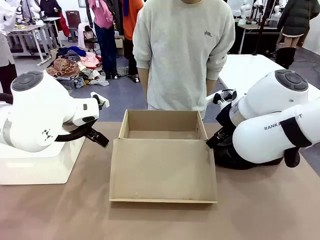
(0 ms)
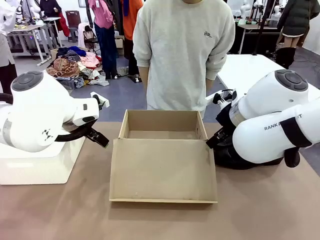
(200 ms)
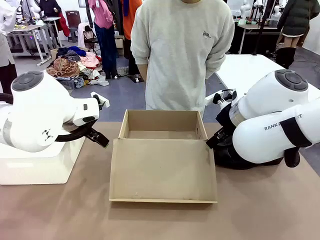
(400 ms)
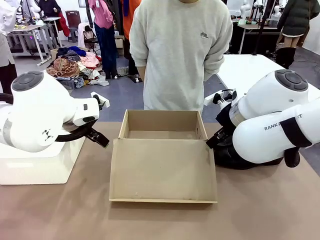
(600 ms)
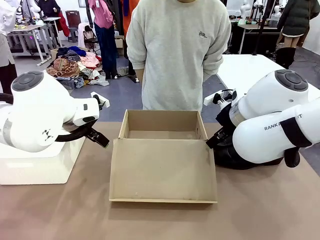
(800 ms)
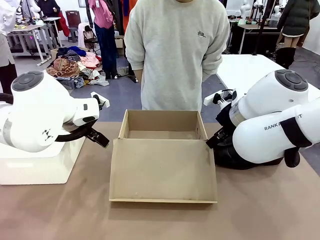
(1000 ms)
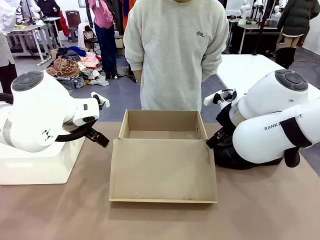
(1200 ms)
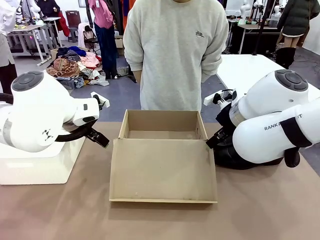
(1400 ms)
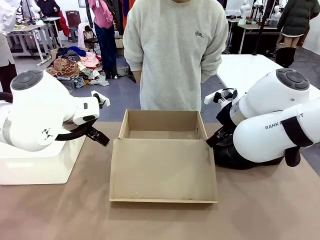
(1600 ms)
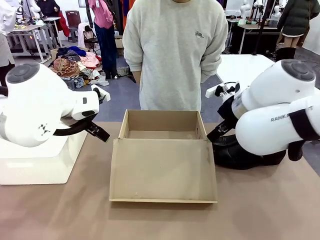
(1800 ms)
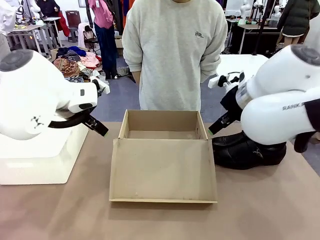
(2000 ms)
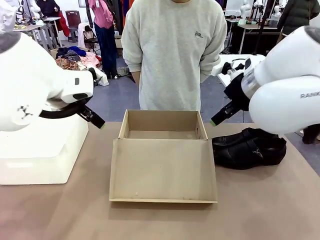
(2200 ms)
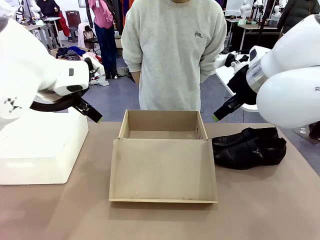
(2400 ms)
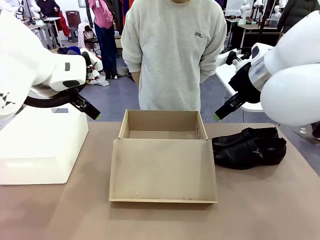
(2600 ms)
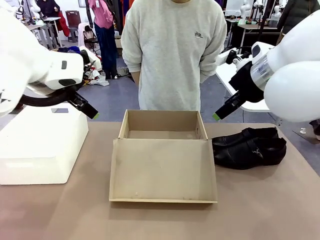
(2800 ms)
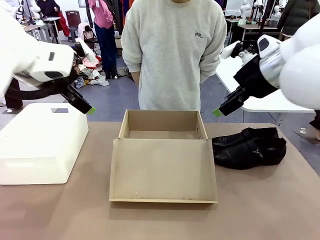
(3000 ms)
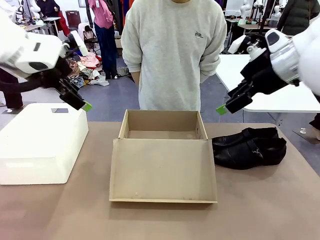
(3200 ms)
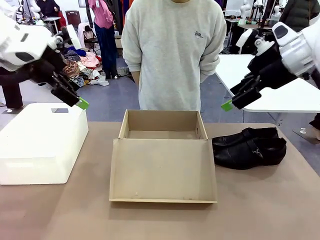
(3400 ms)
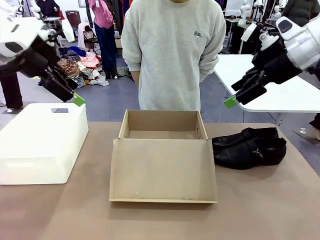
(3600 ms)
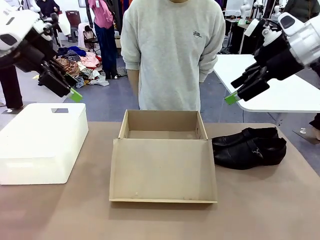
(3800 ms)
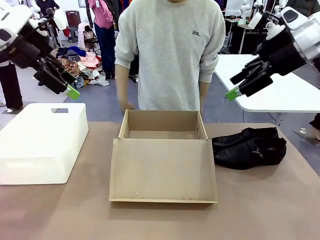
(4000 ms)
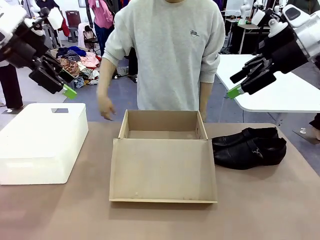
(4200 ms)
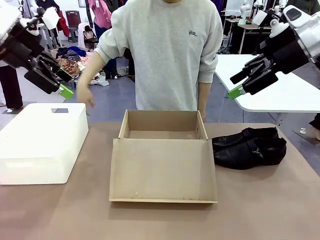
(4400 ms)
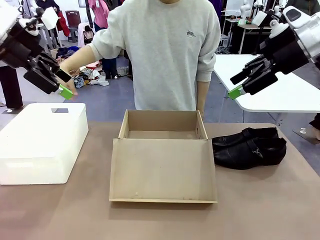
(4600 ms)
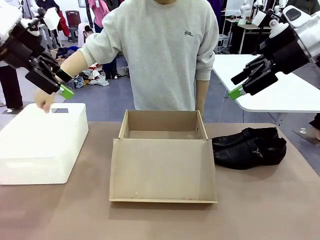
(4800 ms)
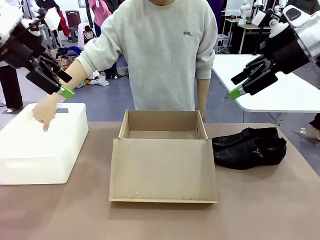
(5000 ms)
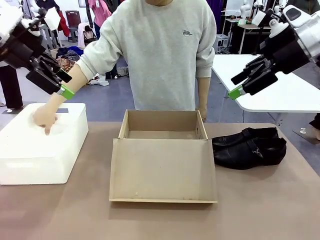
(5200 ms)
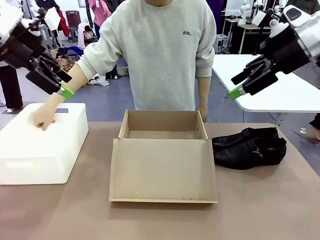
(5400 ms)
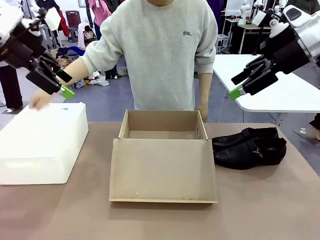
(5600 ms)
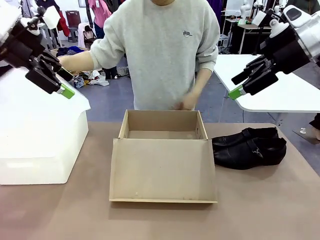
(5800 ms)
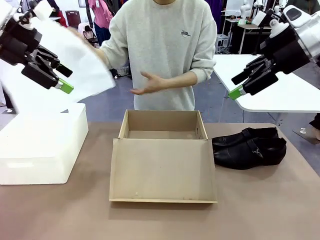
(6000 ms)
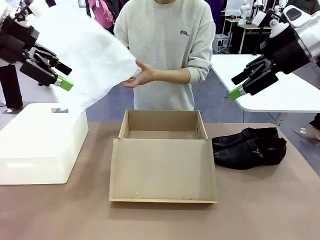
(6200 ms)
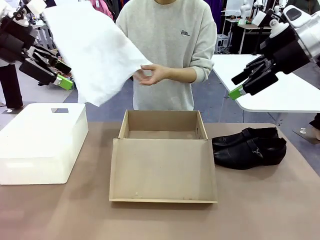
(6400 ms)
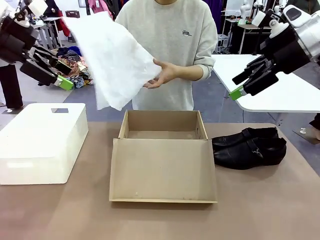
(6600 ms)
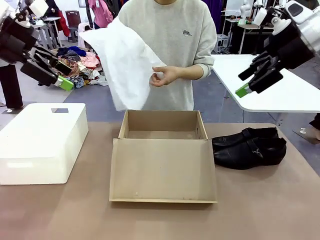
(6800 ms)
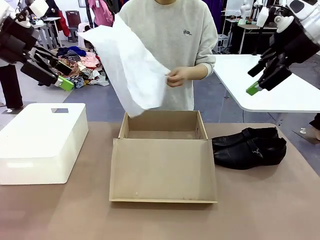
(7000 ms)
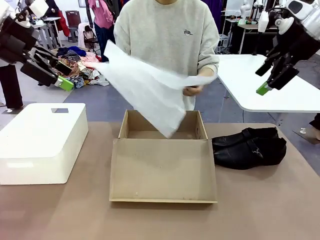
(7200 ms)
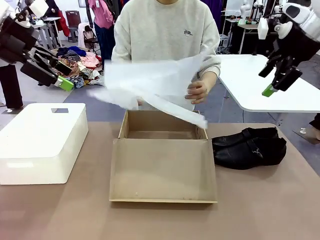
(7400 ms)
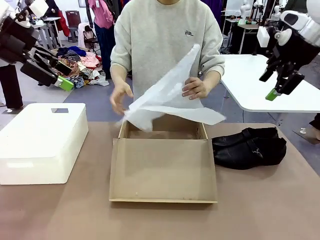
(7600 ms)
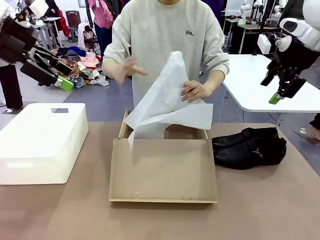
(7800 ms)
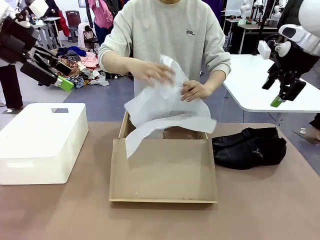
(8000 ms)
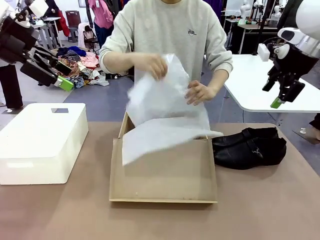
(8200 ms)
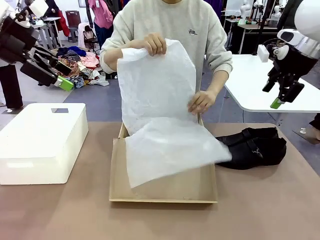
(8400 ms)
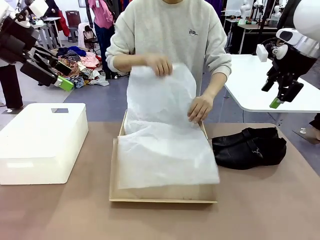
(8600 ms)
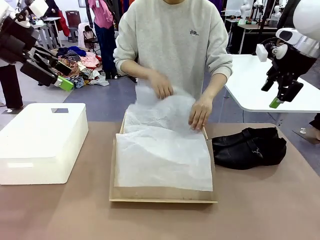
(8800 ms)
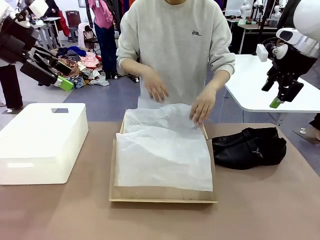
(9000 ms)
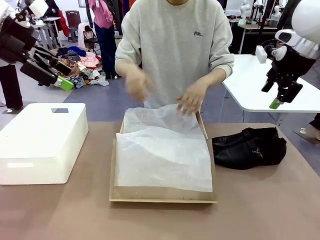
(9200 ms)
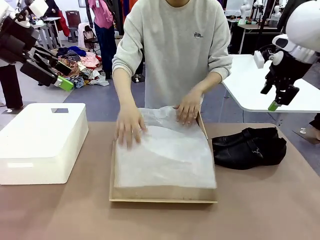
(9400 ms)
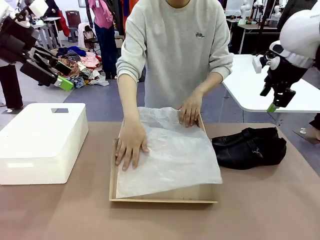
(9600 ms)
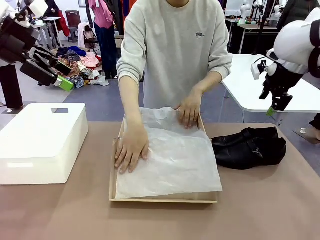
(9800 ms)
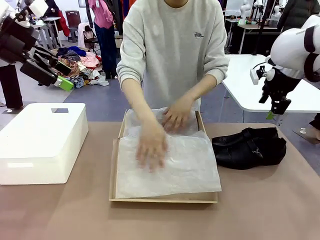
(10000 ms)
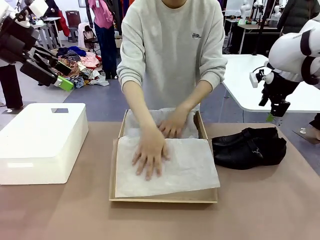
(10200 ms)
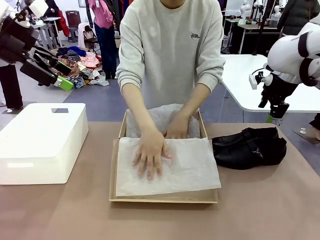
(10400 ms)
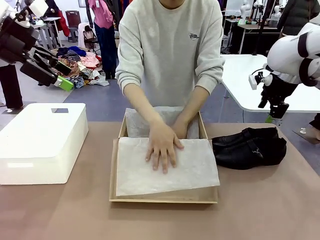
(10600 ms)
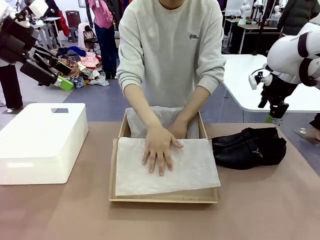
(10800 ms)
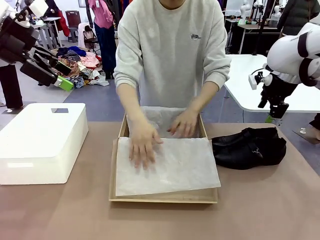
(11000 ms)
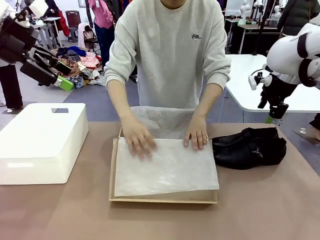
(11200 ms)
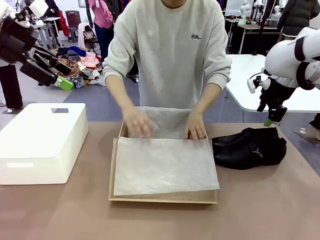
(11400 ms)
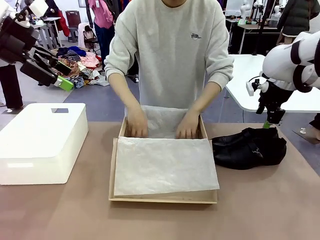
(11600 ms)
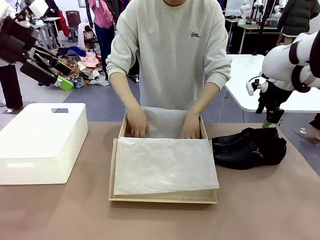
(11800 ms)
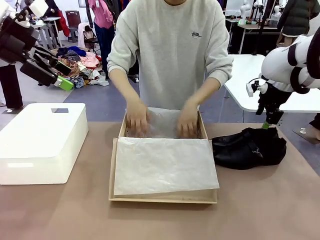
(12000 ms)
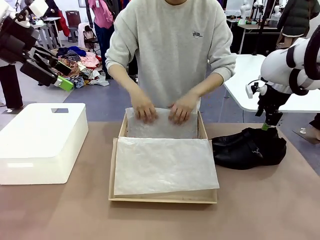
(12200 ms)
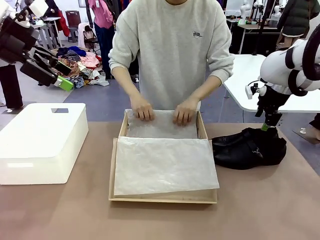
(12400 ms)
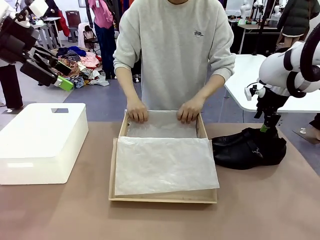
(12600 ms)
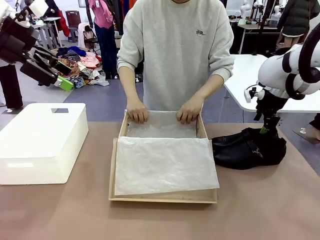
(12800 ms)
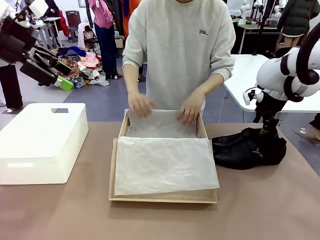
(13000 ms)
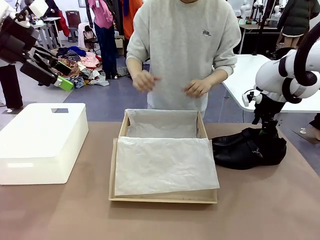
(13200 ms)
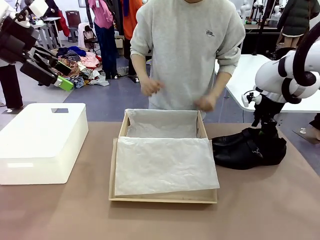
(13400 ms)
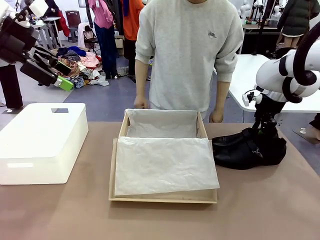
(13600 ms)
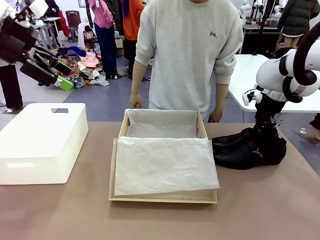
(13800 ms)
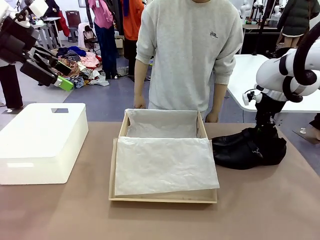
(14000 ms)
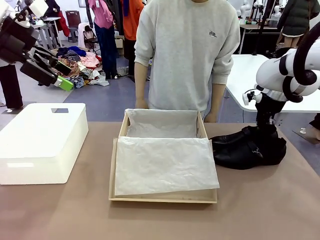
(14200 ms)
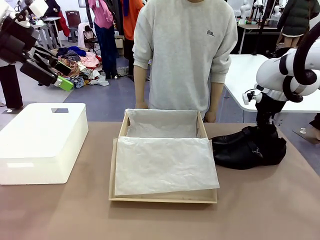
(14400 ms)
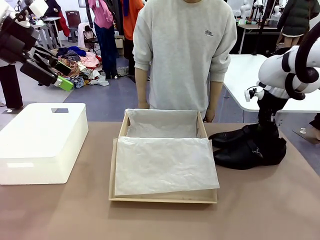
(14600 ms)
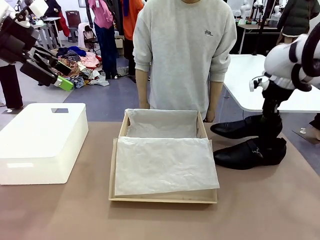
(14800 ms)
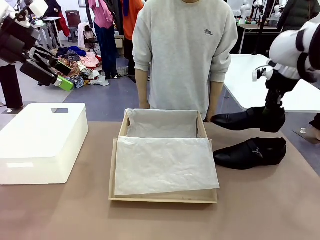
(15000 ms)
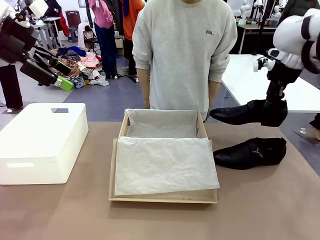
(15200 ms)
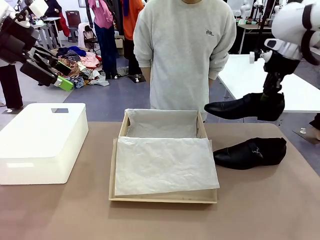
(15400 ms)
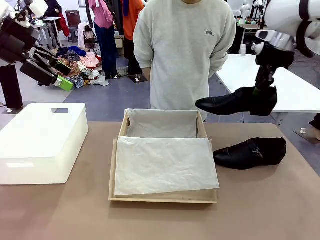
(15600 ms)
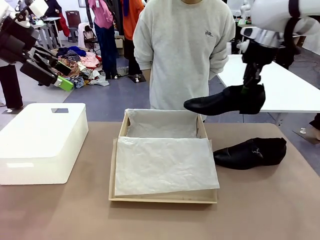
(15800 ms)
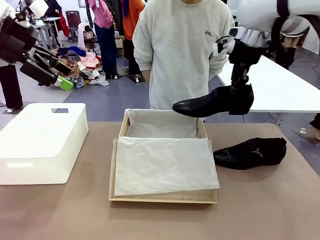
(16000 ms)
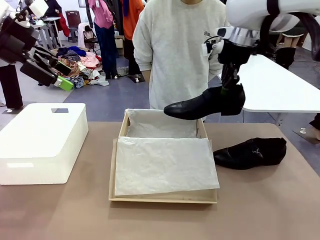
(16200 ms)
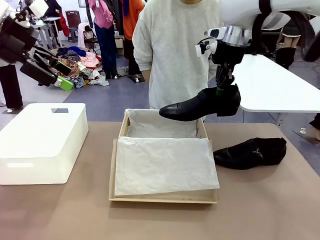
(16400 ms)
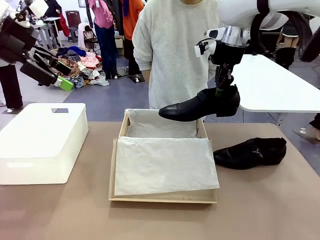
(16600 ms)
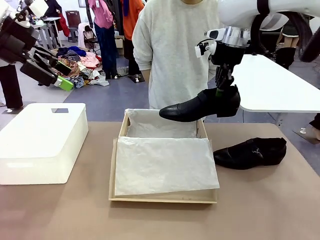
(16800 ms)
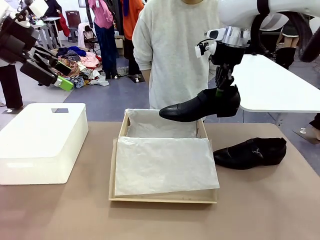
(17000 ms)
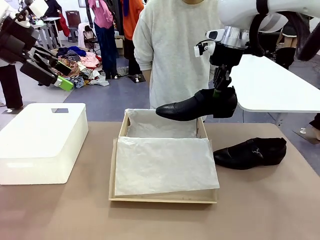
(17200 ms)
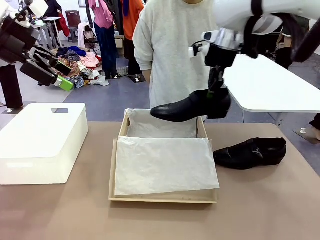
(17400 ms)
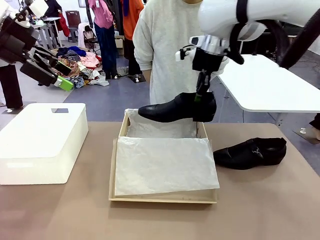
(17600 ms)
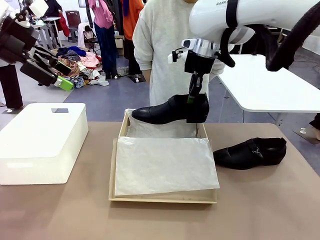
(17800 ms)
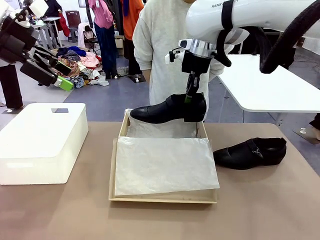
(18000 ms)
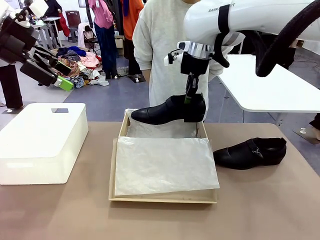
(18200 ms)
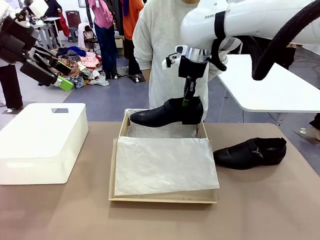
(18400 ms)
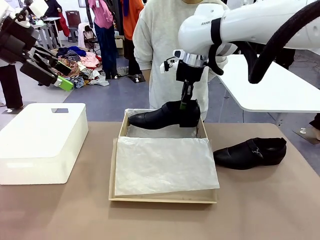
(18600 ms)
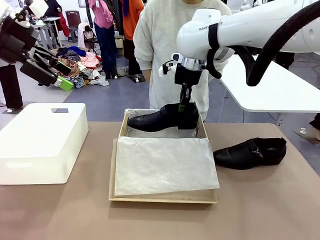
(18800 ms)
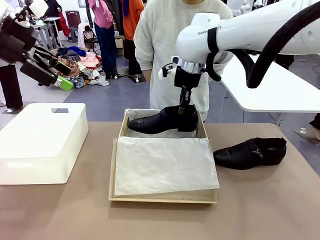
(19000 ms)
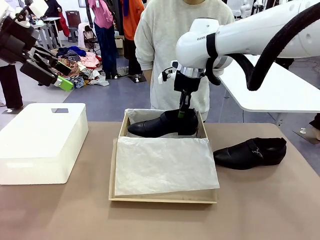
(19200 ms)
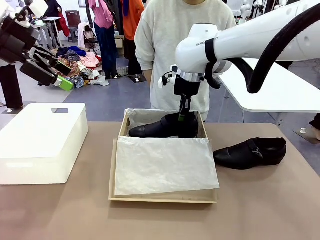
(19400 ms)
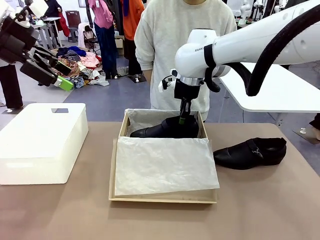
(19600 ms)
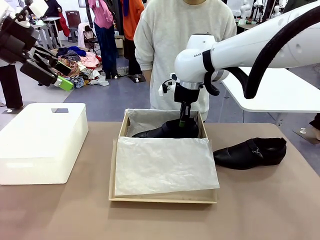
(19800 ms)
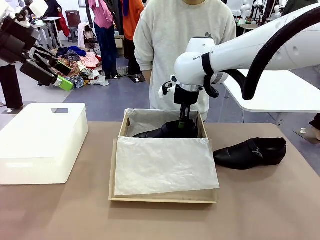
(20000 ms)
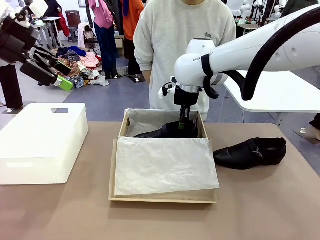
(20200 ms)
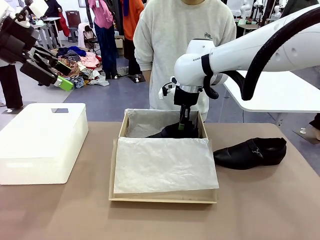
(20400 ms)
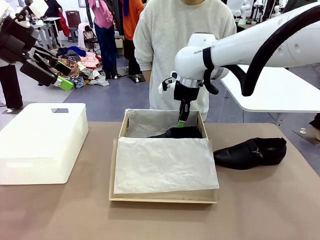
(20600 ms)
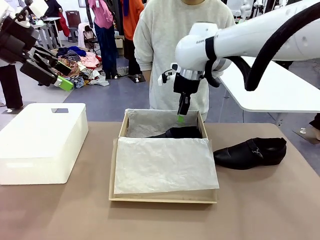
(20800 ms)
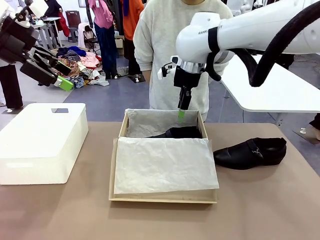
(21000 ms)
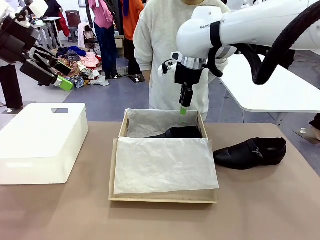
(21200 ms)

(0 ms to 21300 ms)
Task: Pack the shoes into the box.
Robot: Place one shoe of the Shoes into the Shoes Box.
Person: Spread Shoes Wrapping Paper and place inside the Shoes Box.
